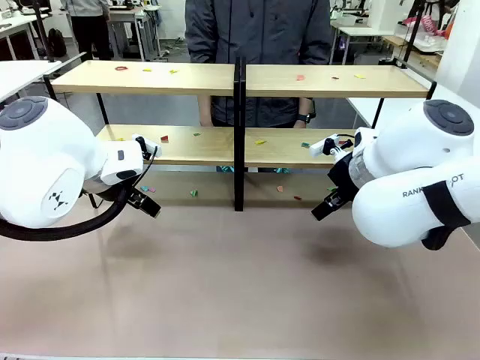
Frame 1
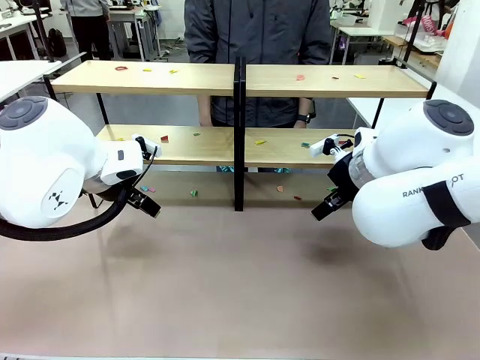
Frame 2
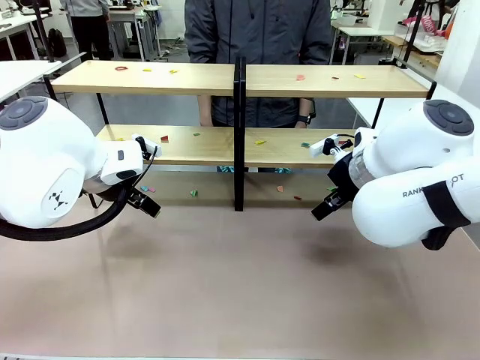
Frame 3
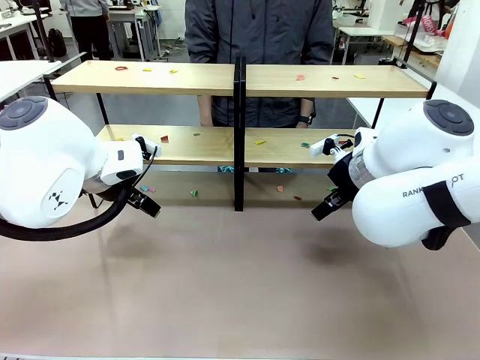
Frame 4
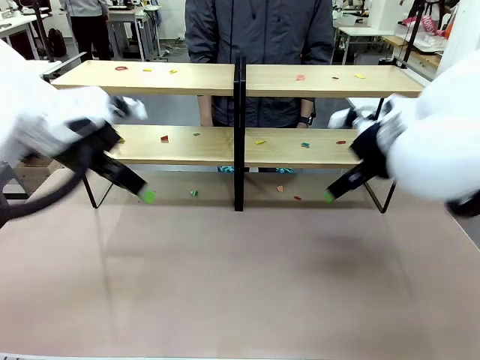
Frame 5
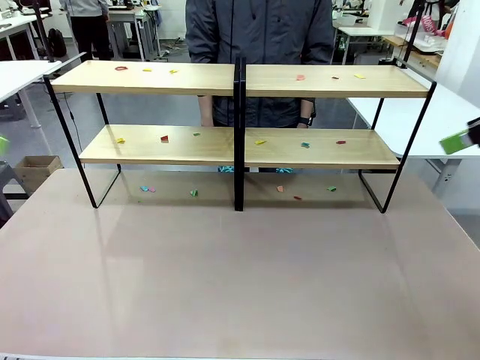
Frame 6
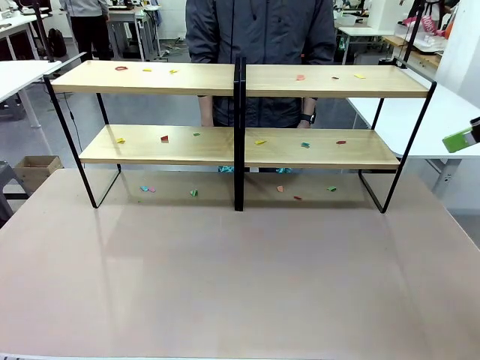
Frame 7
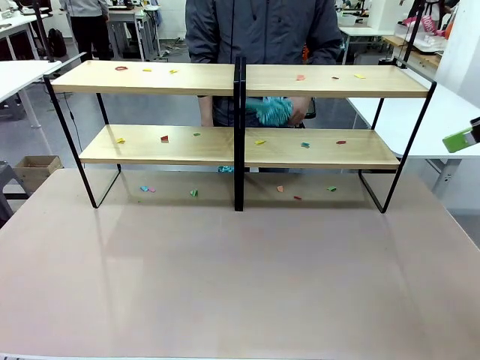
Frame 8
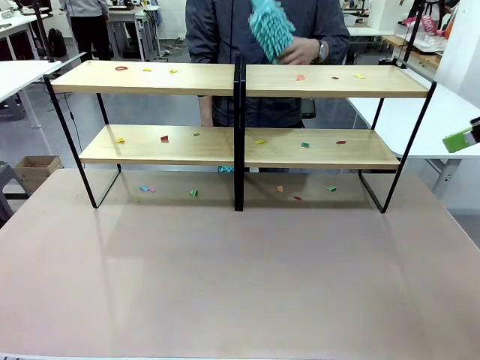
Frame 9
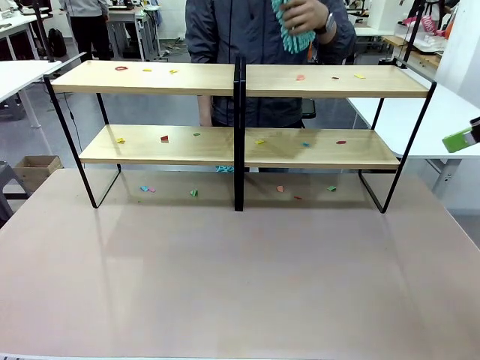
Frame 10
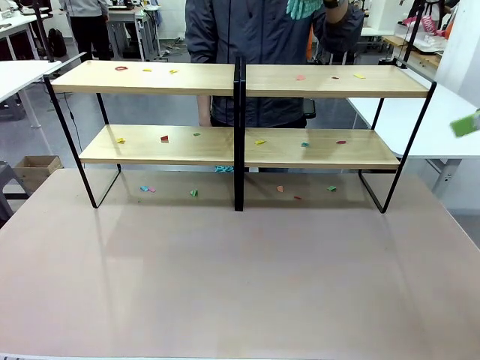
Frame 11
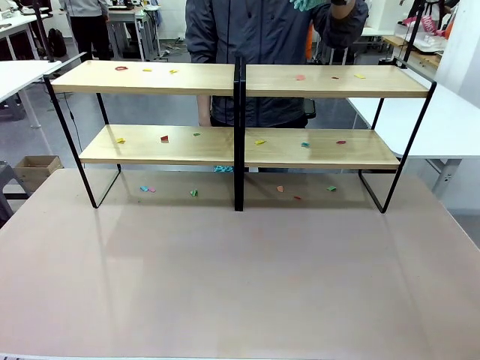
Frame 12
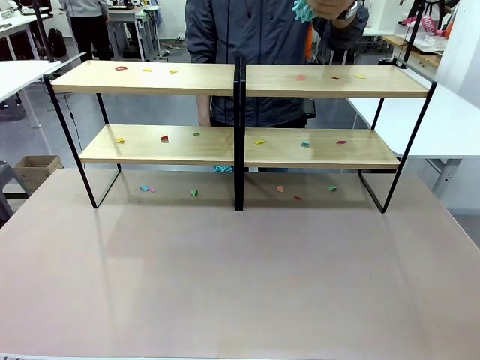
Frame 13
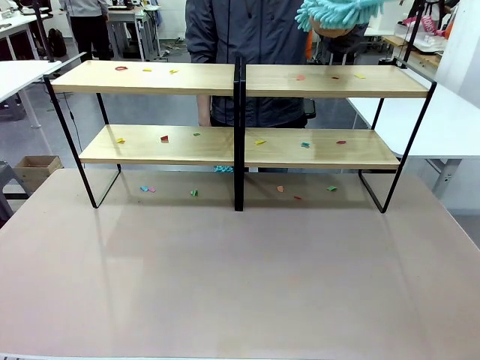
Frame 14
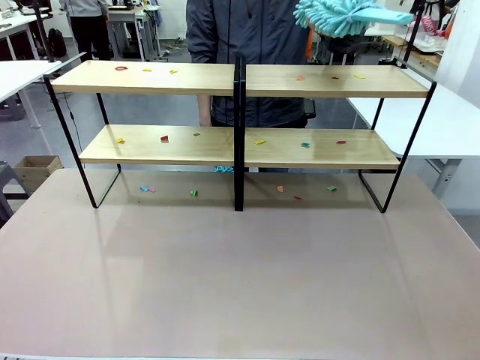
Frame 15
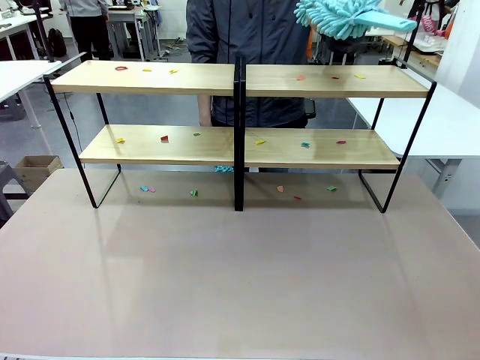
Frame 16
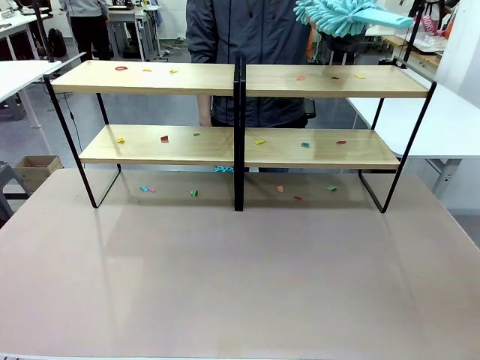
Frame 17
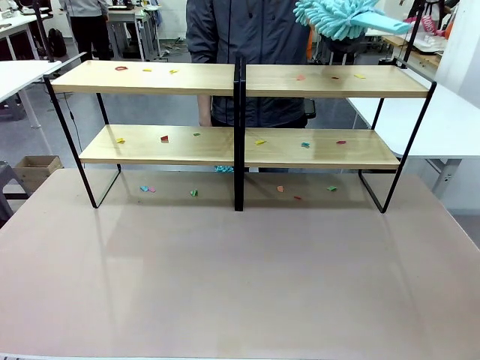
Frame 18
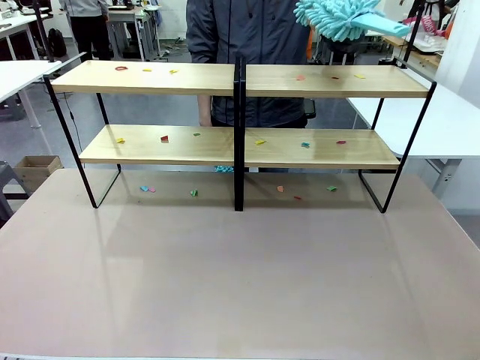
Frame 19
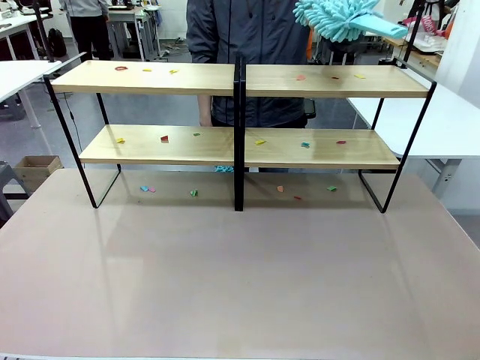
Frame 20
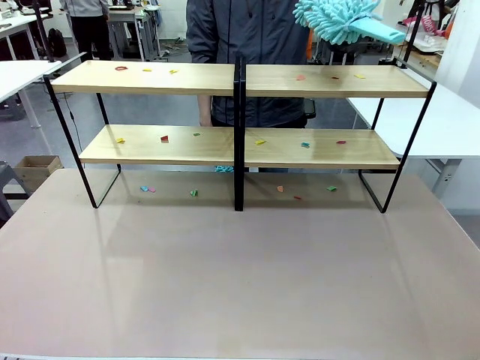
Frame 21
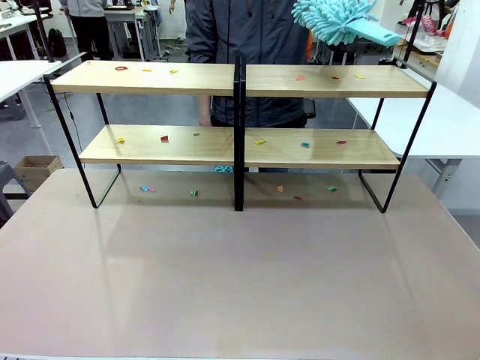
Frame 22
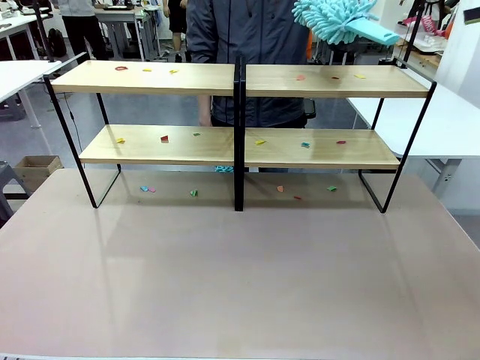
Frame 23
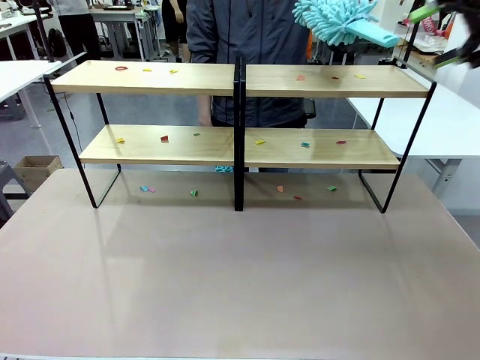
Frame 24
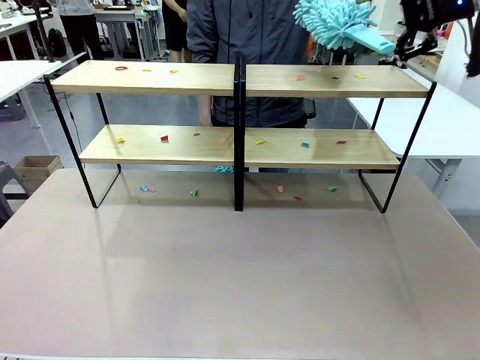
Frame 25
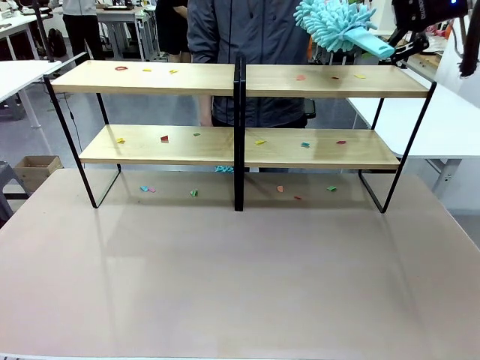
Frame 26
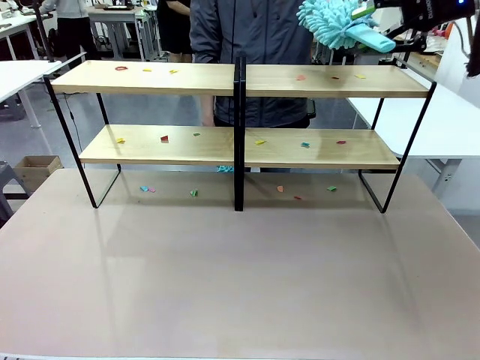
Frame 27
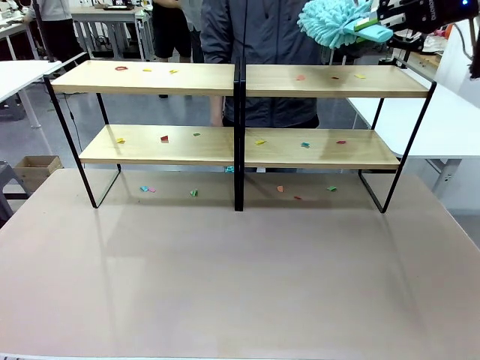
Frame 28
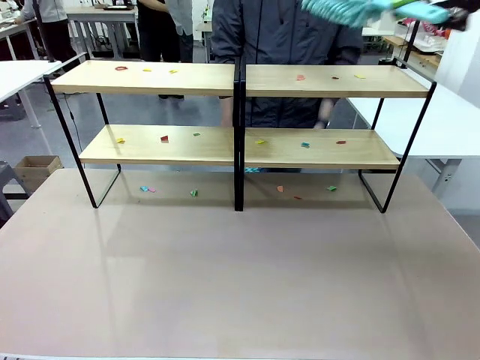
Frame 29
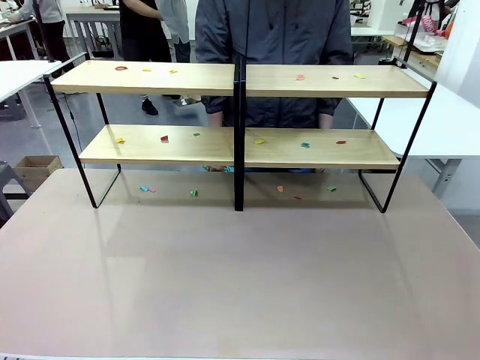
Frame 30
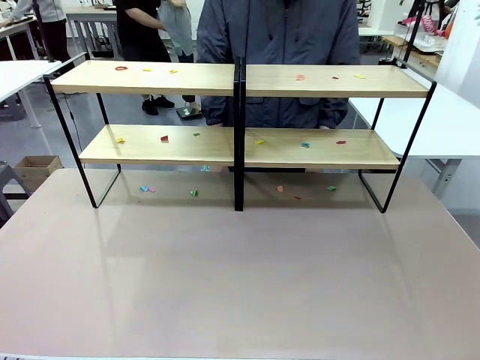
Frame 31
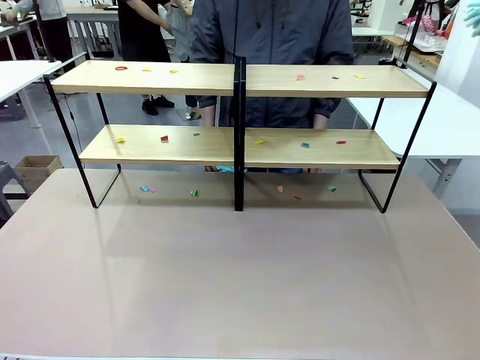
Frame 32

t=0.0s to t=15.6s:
Task: Clean the shelves.
Robot: Pick up the Duster when the human hands it over.
Person: Hand the Duster to the robot with your right (or left) hand.

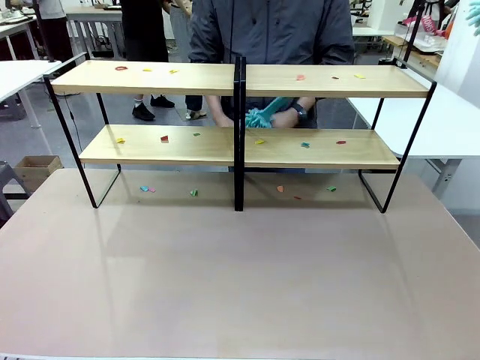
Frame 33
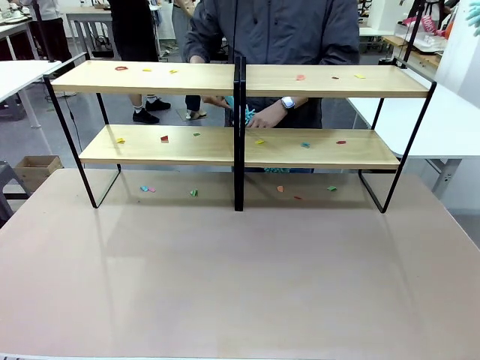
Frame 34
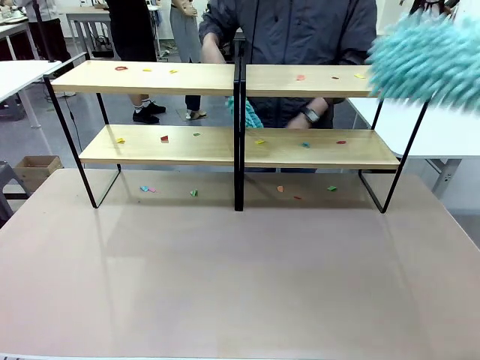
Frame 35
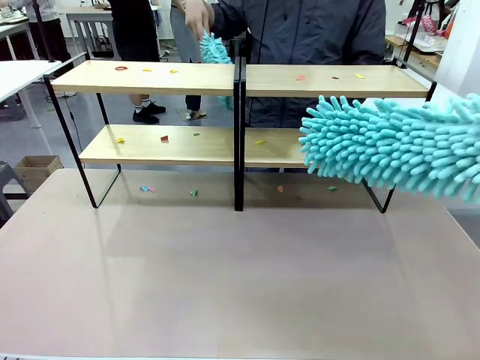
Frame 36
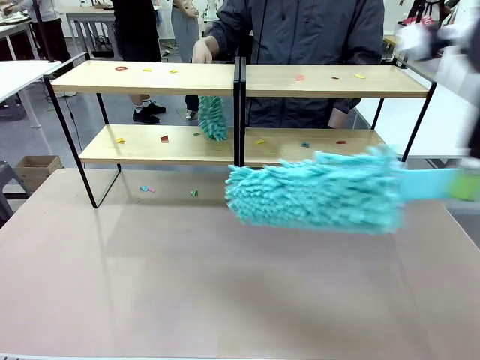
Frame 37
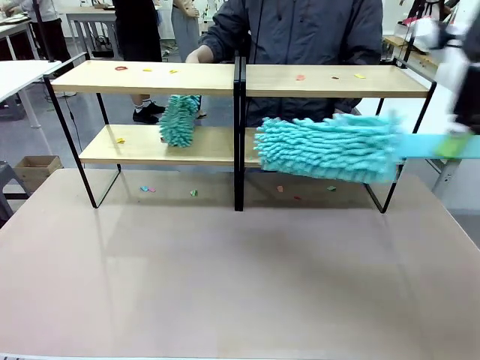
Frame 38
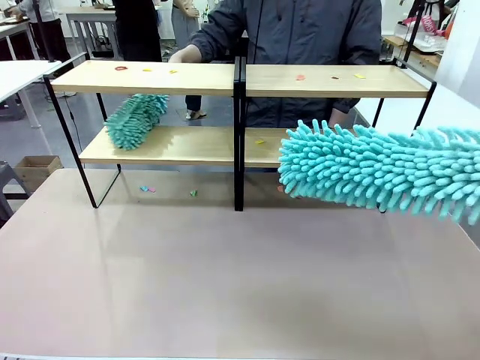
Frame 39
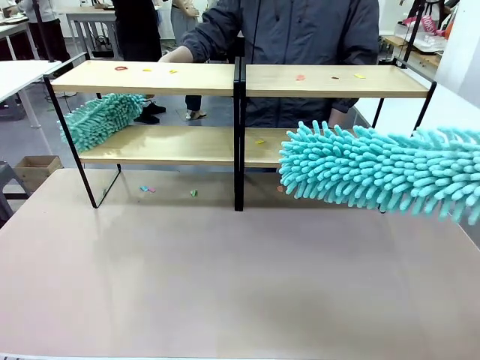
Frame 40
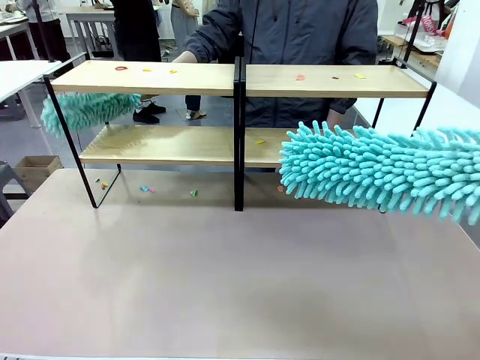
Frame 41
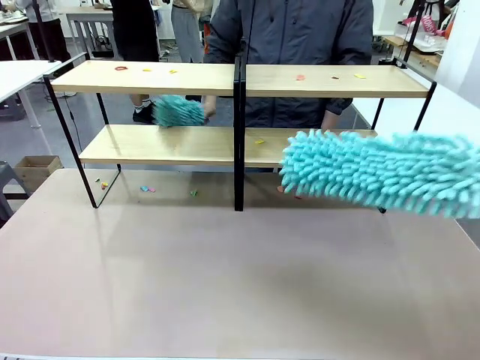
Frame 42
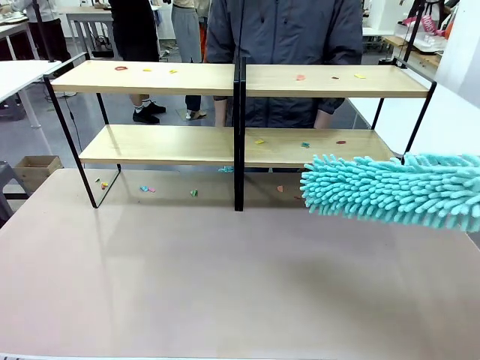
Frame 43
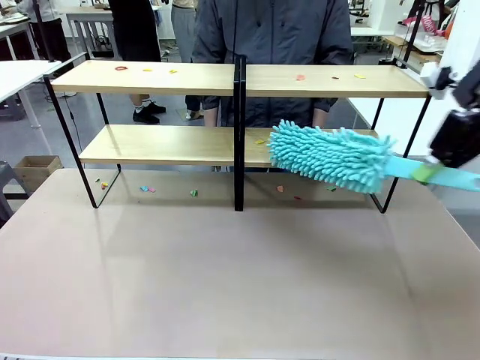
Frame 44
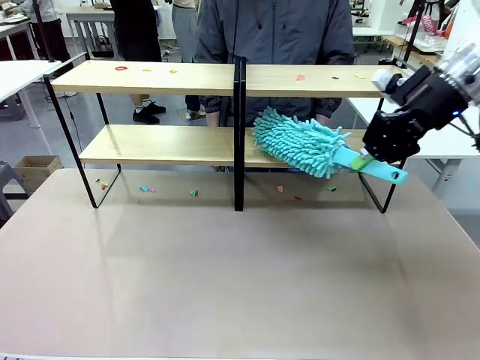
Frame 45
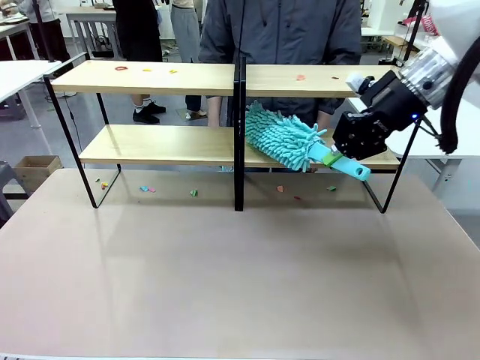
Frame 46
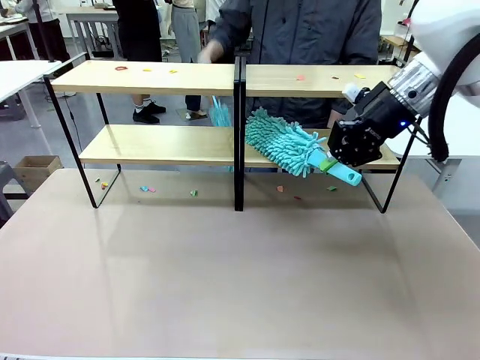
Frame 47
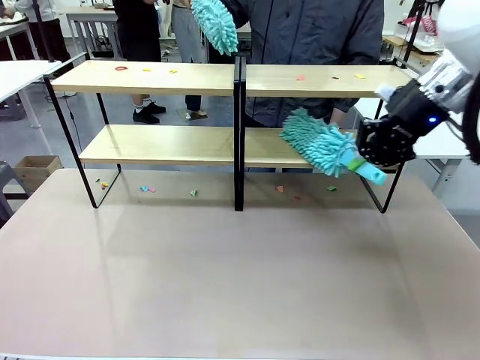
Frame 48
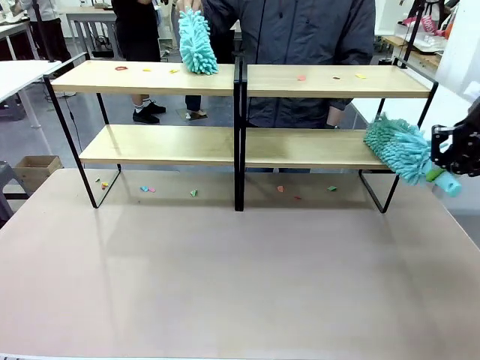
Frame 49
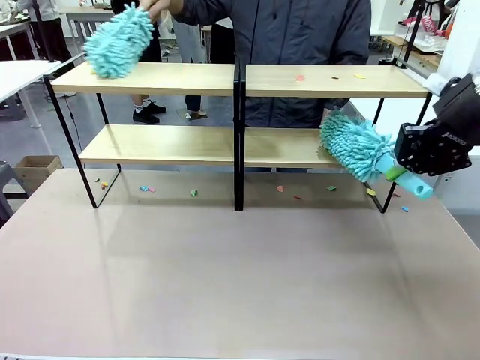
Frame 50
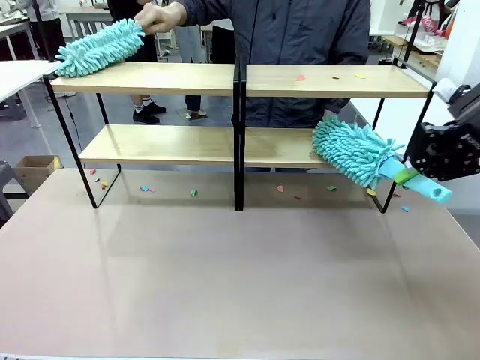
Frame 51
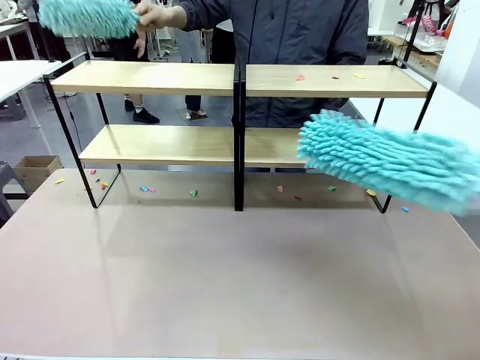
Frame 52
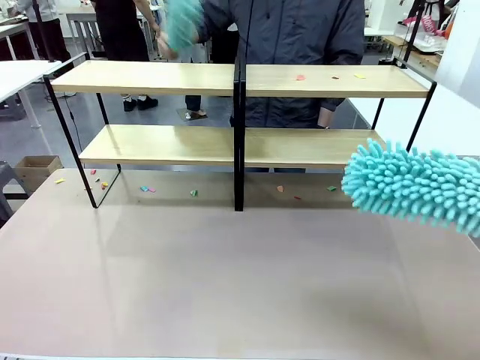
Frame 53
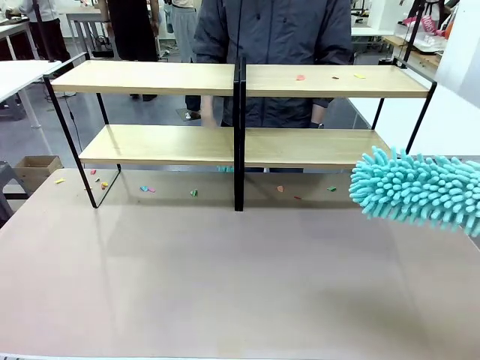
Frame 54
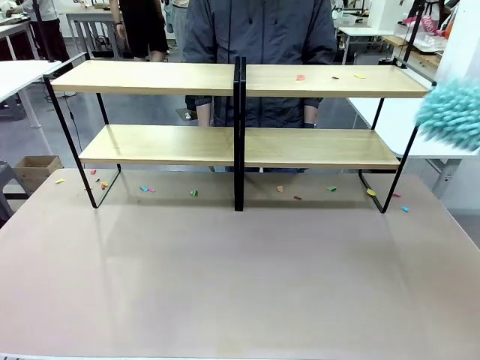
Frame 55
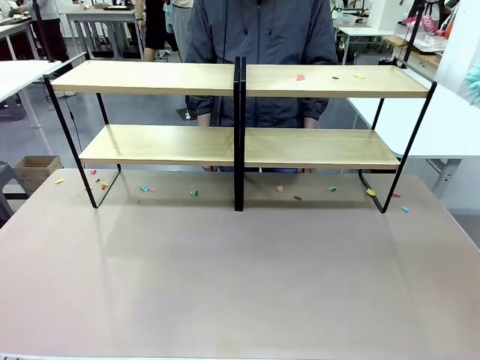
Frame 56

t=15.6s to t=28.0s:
Robot: Clean a randomly selected level of the Shelf with the Duster.
